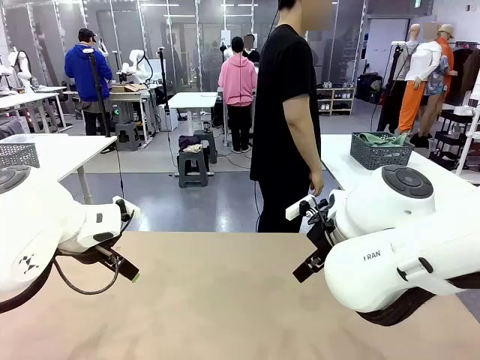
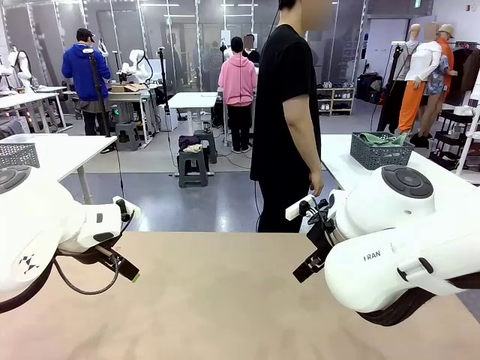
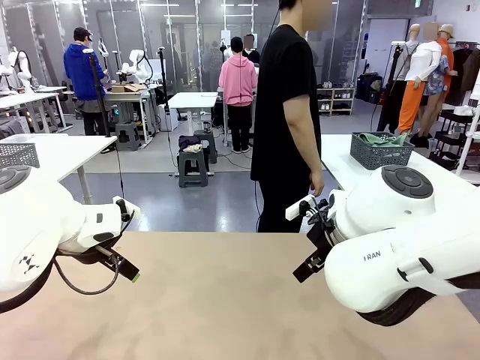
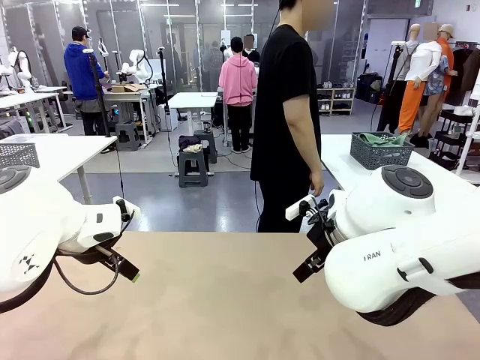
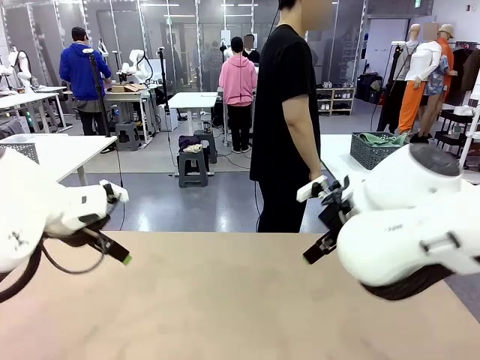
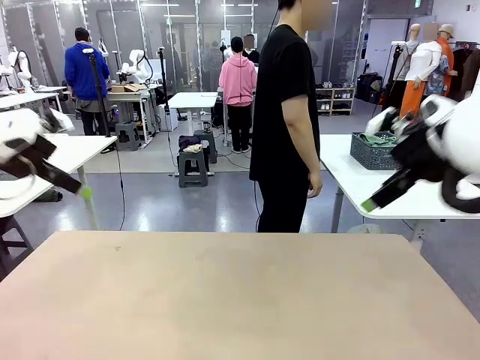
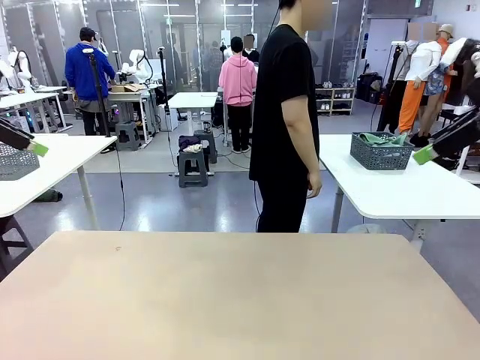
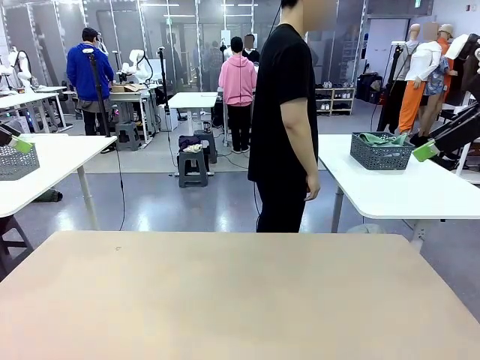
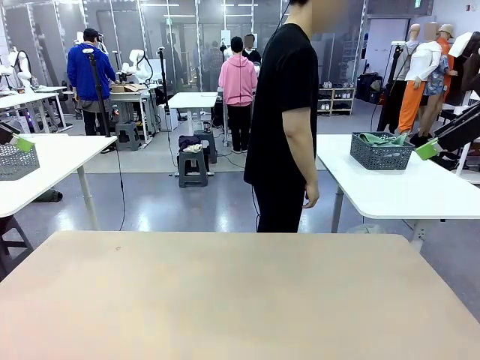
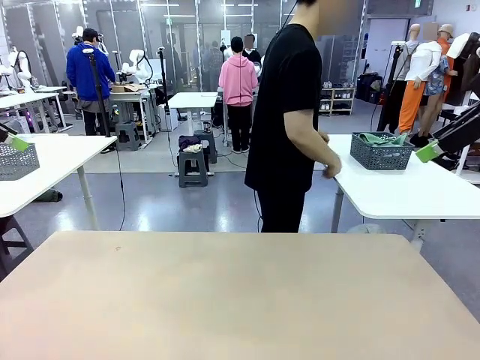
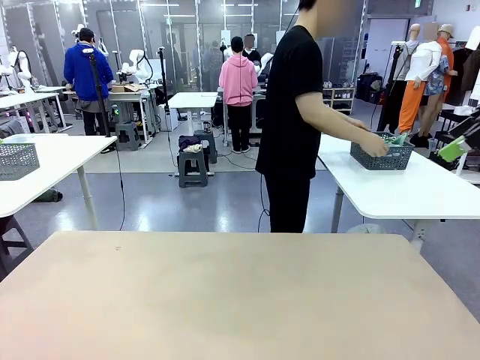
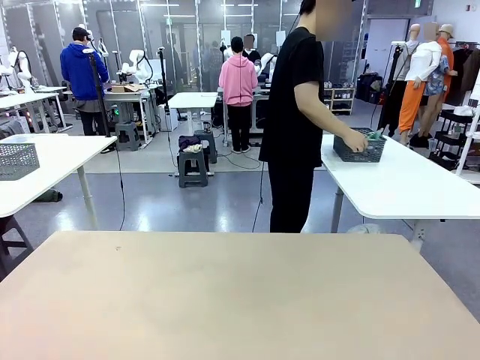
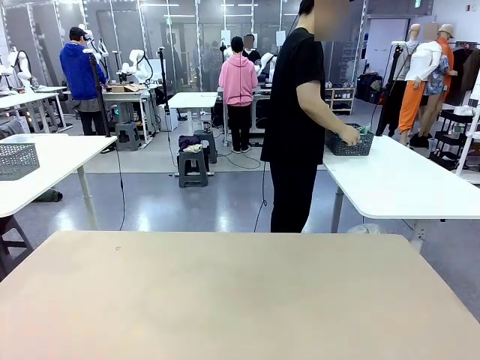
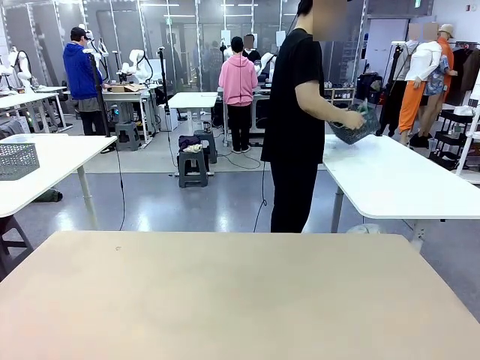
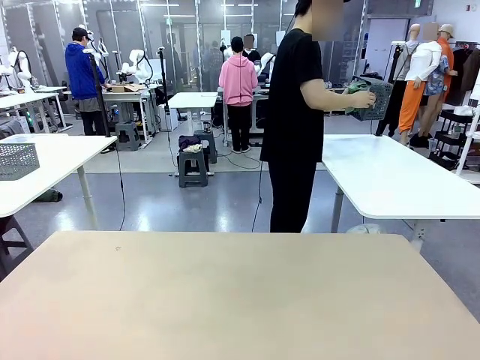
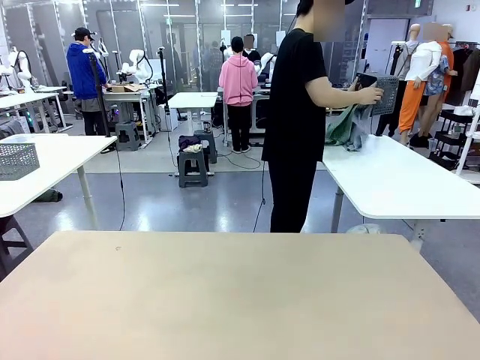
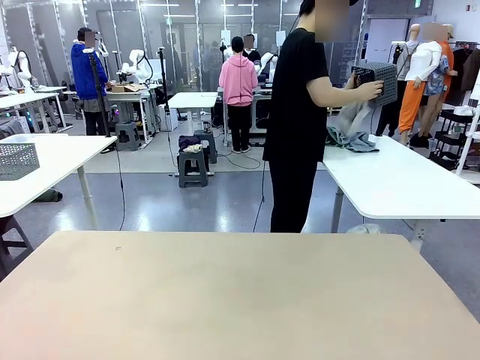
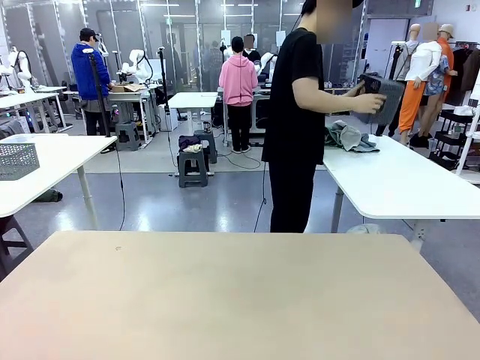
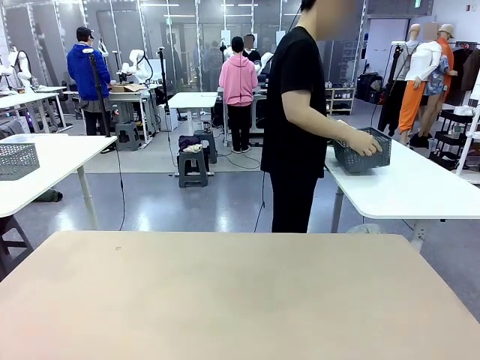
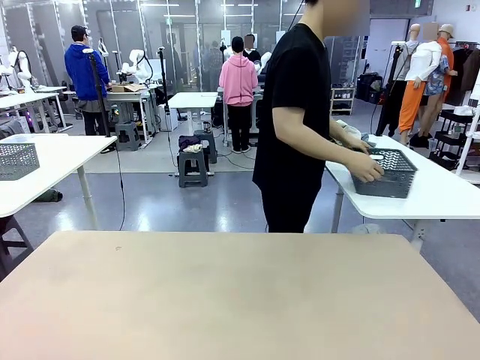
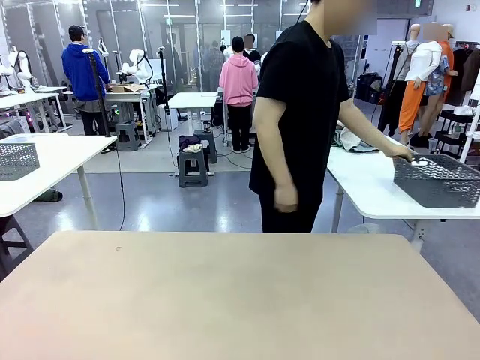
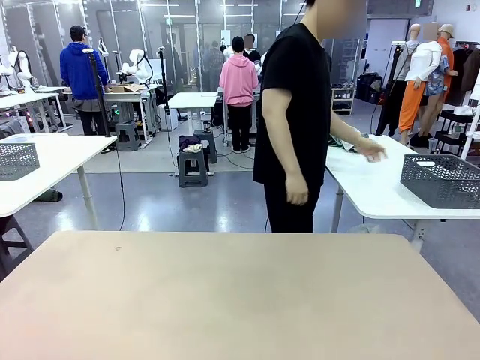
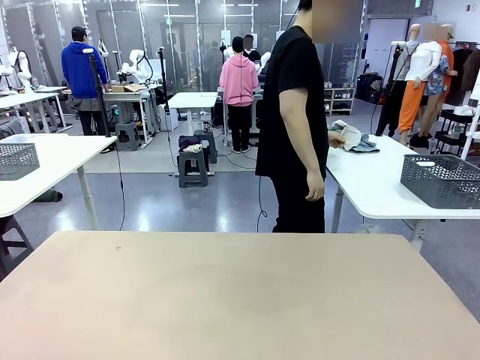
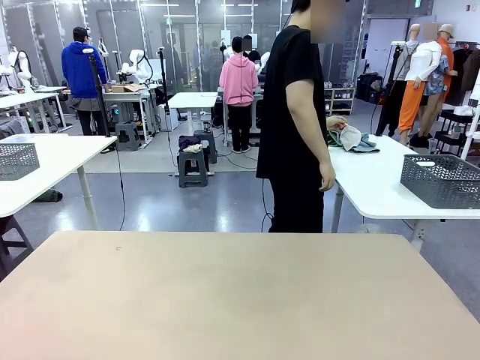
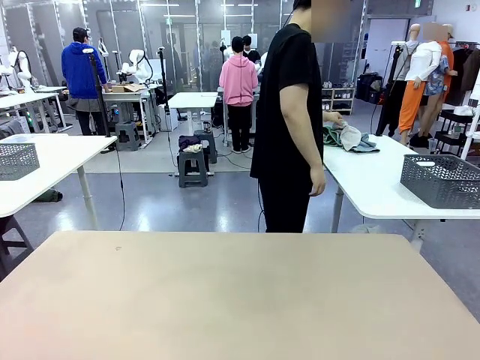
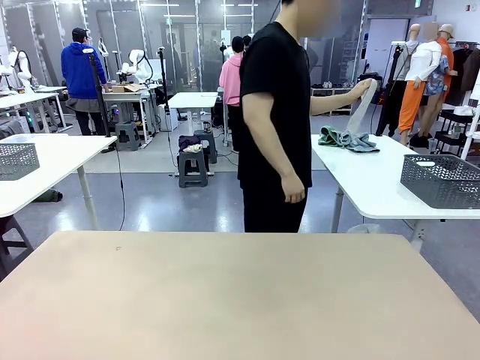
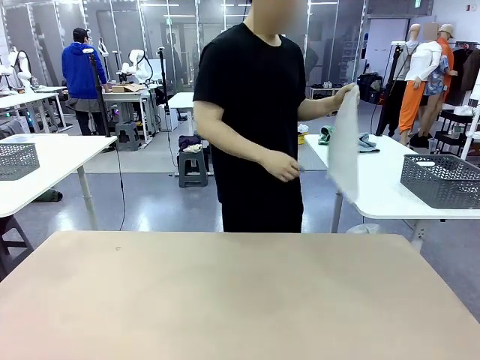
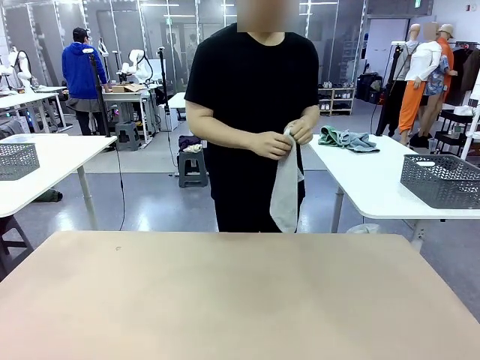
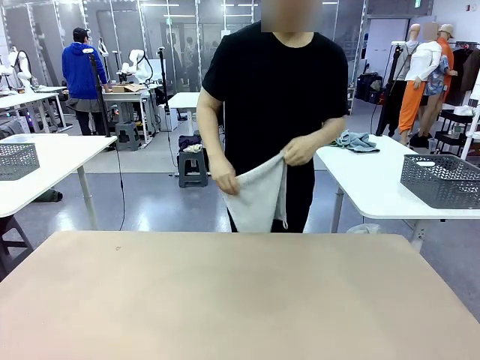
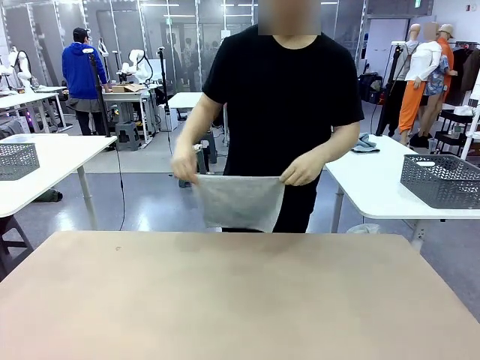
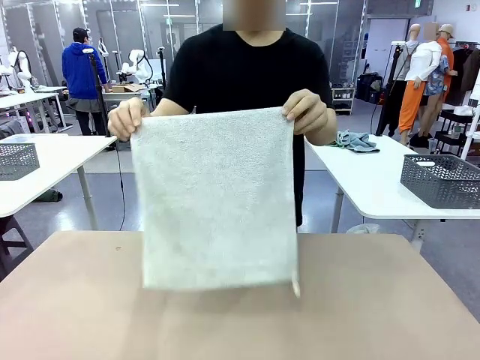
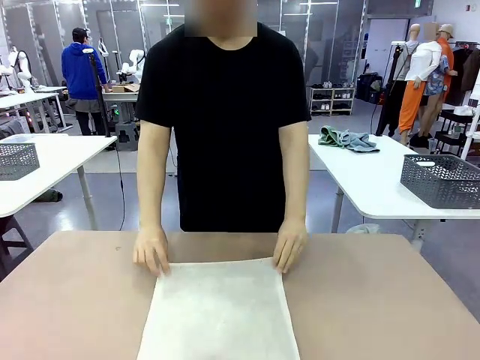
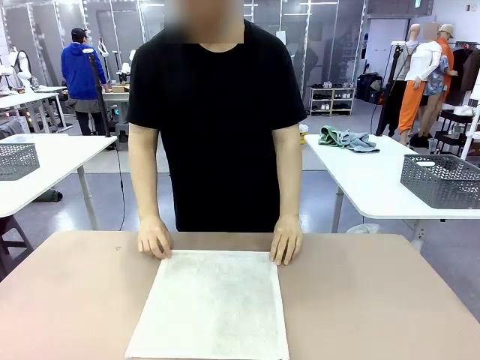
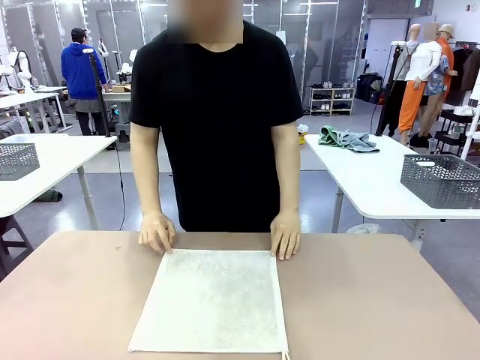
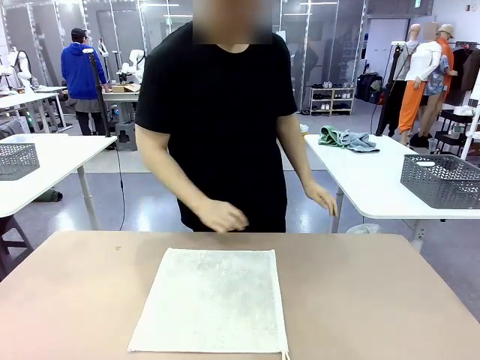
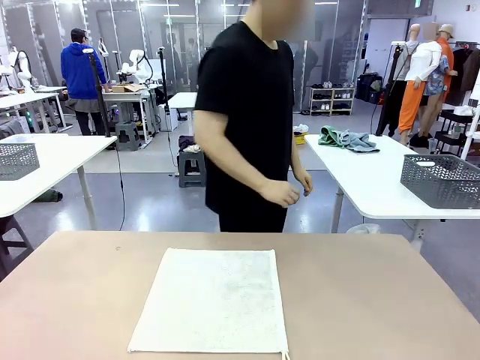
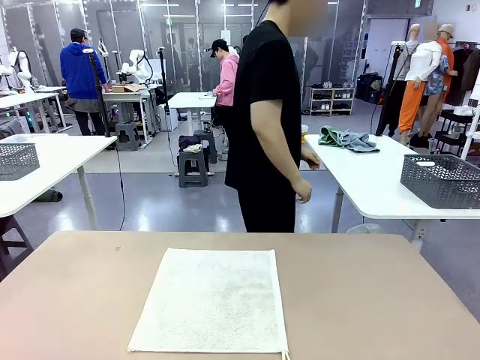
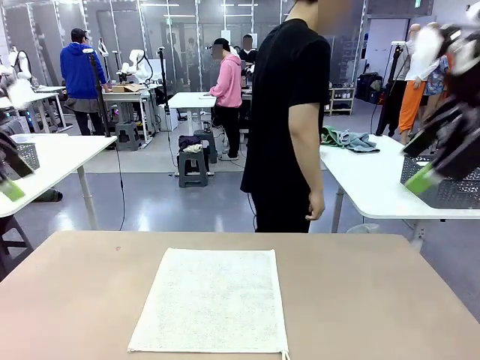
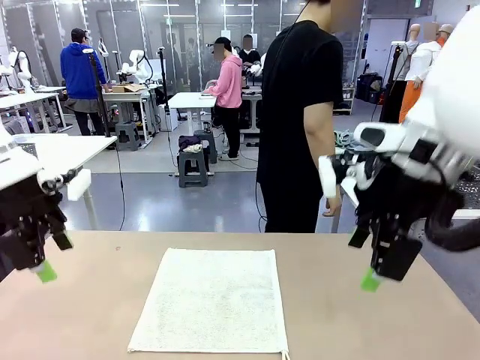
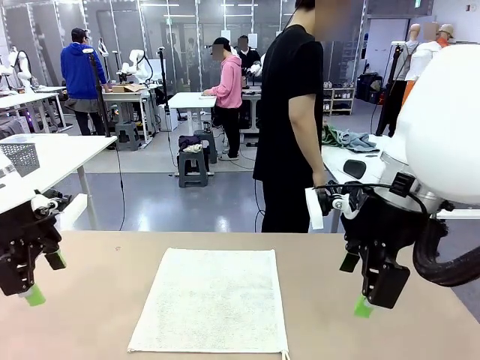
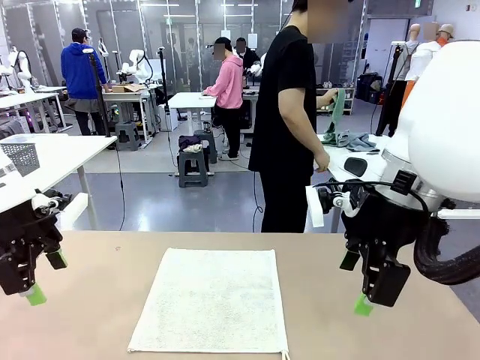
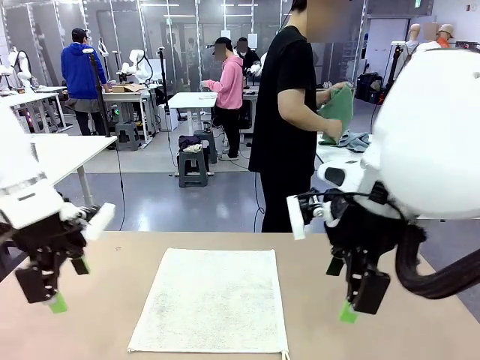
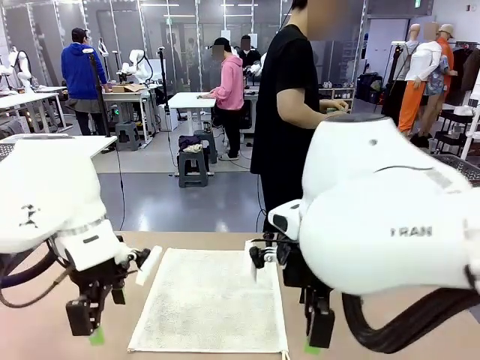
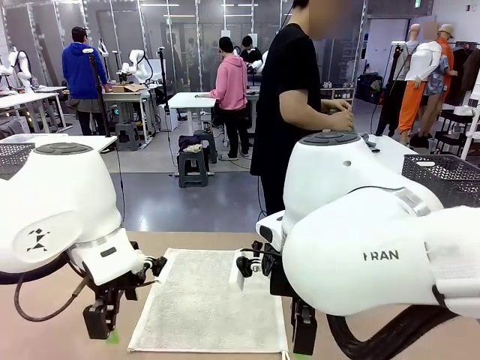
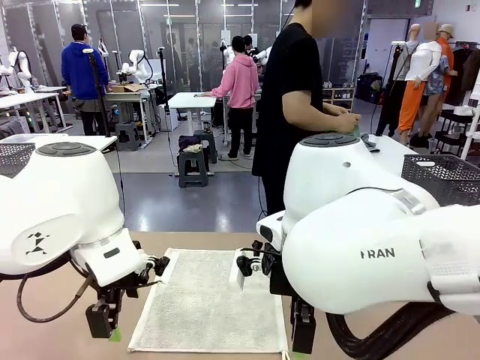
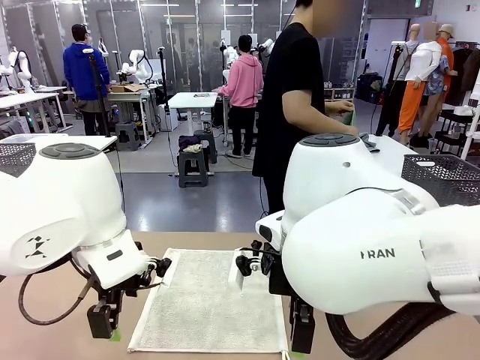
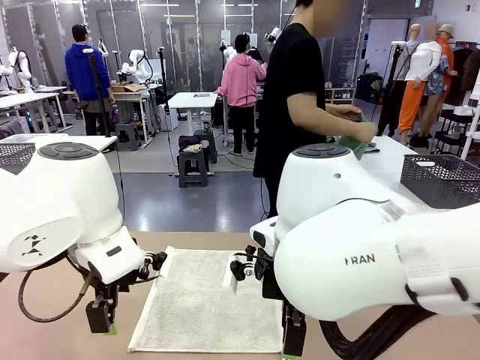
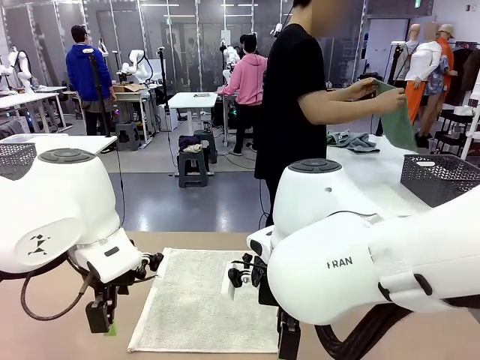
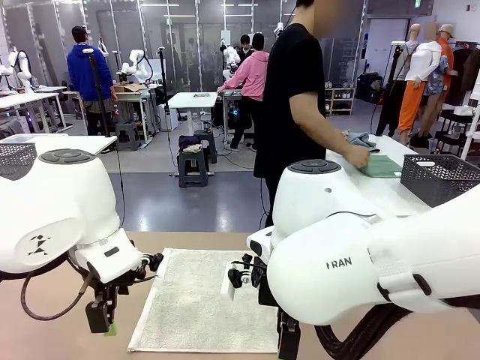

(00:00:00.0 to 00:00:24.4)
Task: Fold the towels and place them in the basket.
Robot: When a person lays out a Towel with hook on the table, fold it in half twice.
Person: Pick up the basket, pour the towels onto the left side of the human table, and place the basket on the right side. Pick up one towel and spread it out at the center of the robot table.
